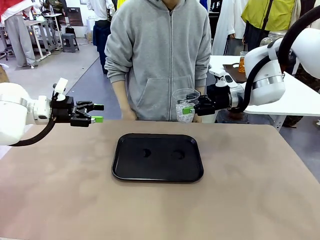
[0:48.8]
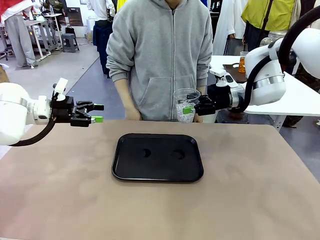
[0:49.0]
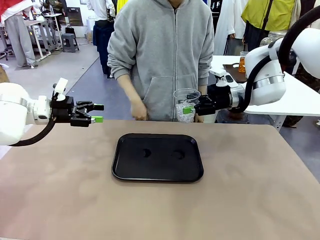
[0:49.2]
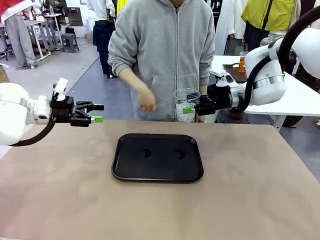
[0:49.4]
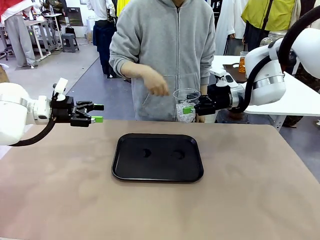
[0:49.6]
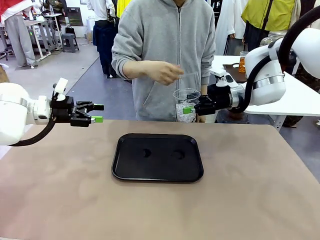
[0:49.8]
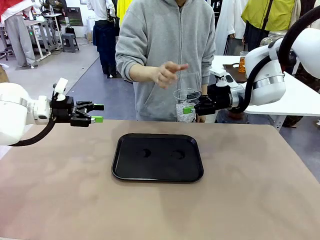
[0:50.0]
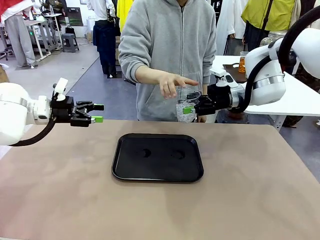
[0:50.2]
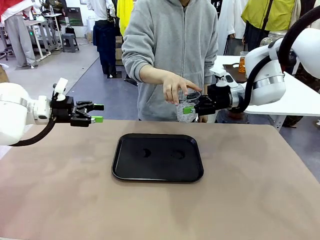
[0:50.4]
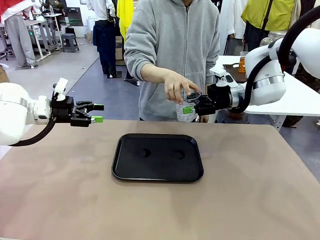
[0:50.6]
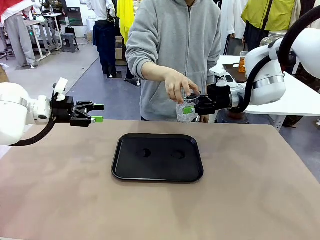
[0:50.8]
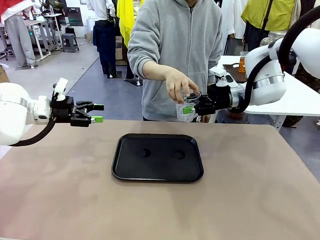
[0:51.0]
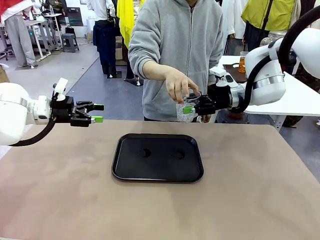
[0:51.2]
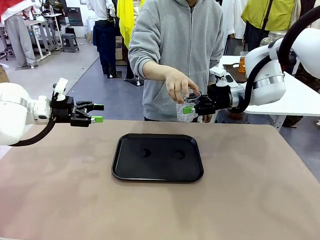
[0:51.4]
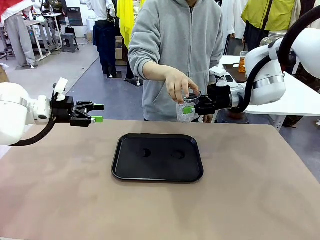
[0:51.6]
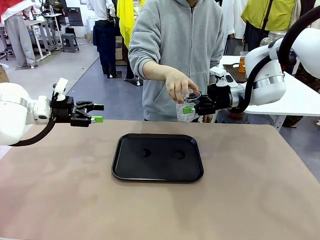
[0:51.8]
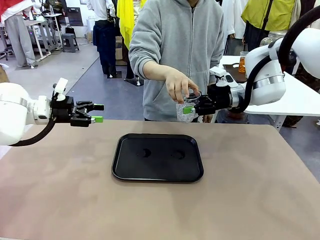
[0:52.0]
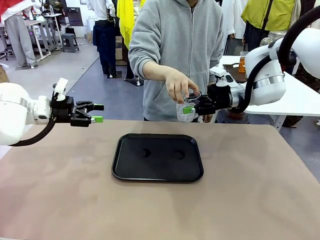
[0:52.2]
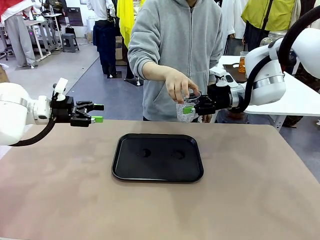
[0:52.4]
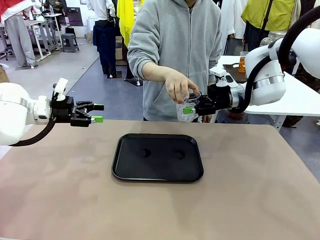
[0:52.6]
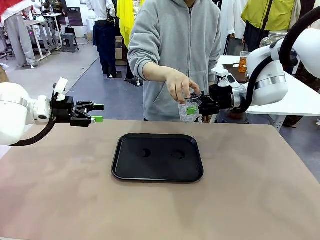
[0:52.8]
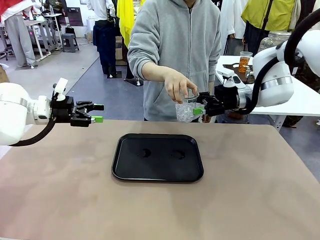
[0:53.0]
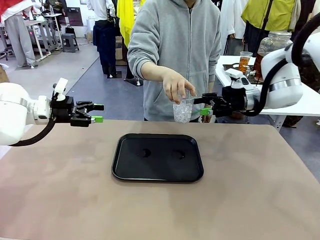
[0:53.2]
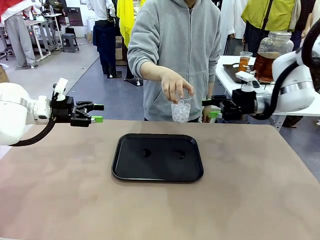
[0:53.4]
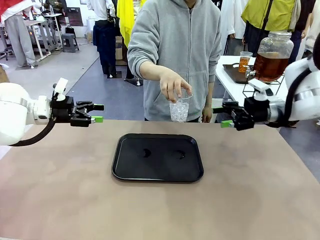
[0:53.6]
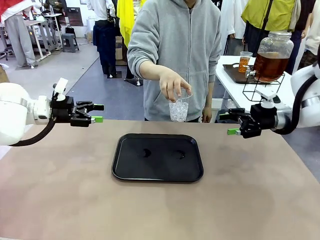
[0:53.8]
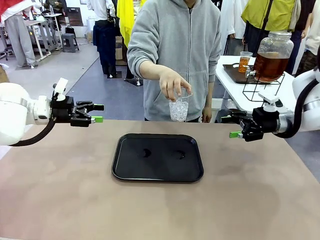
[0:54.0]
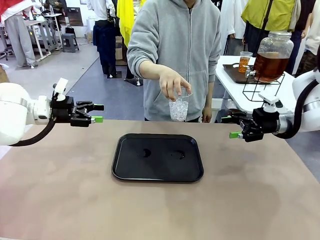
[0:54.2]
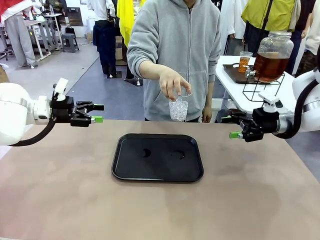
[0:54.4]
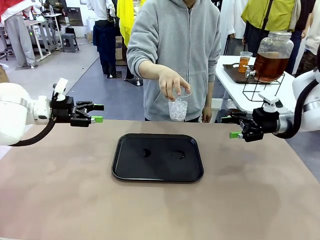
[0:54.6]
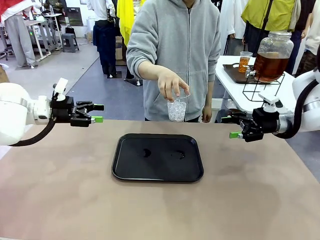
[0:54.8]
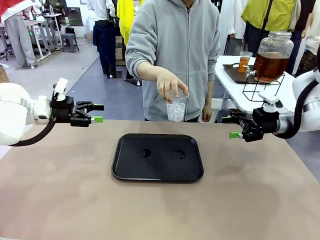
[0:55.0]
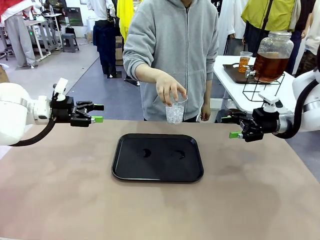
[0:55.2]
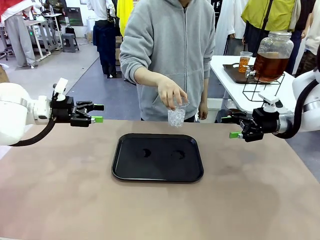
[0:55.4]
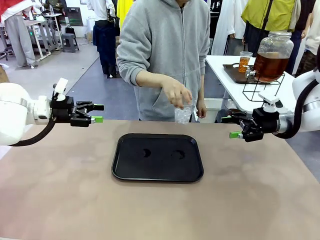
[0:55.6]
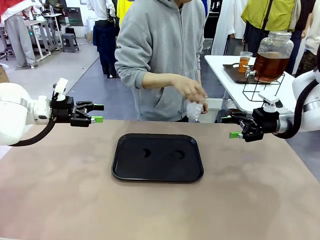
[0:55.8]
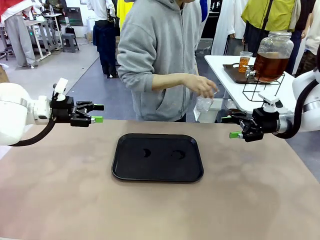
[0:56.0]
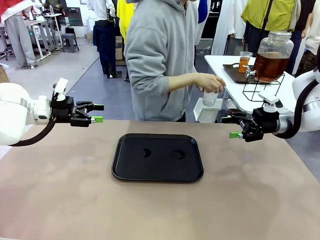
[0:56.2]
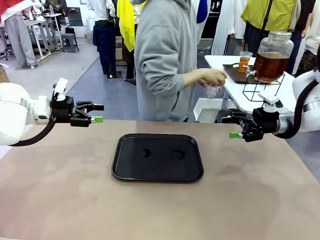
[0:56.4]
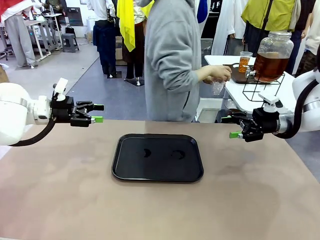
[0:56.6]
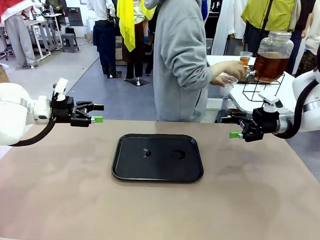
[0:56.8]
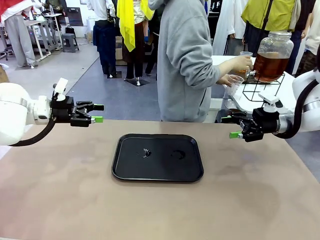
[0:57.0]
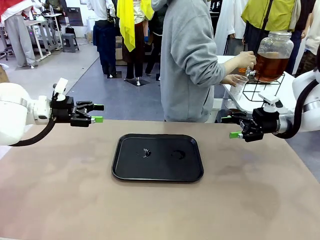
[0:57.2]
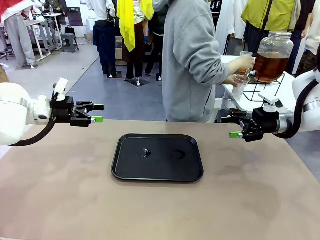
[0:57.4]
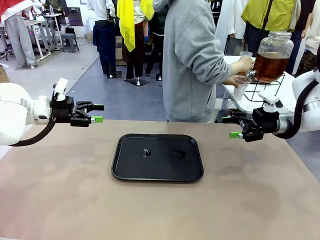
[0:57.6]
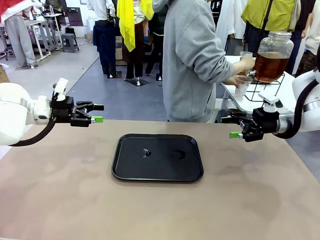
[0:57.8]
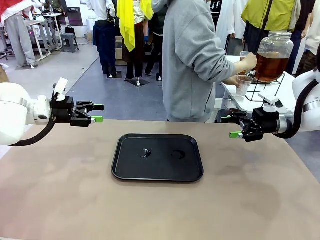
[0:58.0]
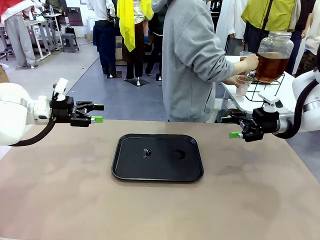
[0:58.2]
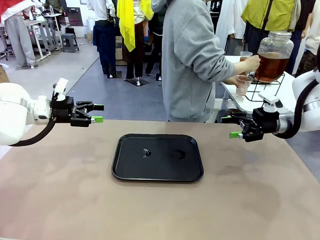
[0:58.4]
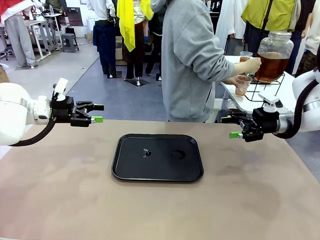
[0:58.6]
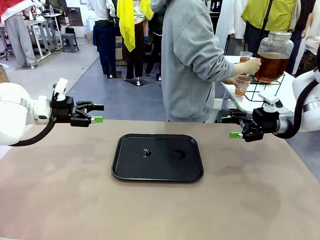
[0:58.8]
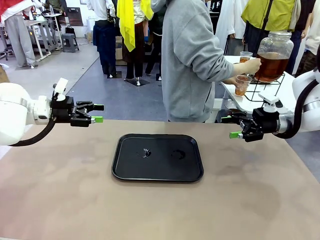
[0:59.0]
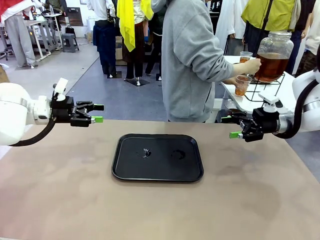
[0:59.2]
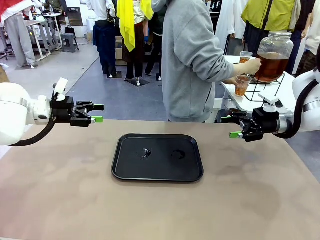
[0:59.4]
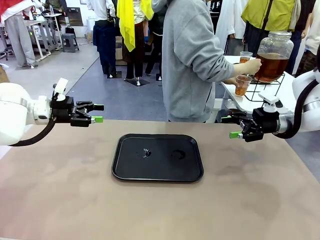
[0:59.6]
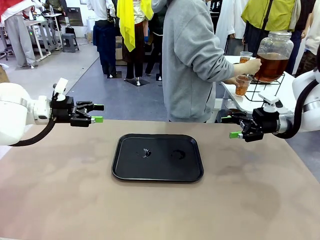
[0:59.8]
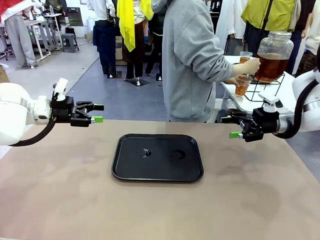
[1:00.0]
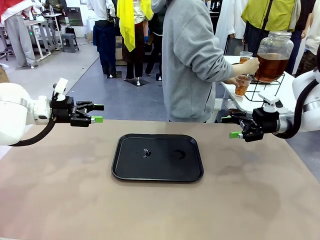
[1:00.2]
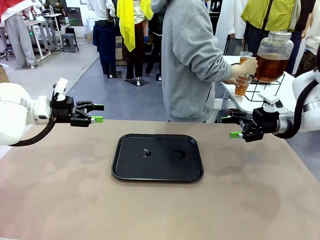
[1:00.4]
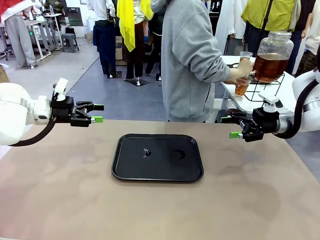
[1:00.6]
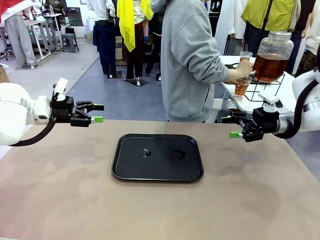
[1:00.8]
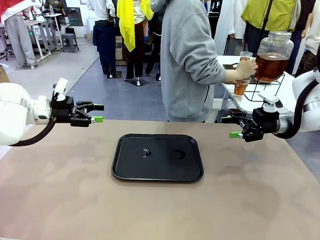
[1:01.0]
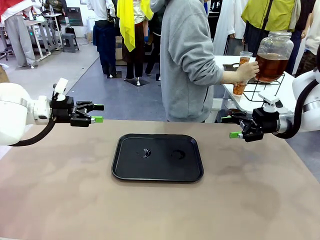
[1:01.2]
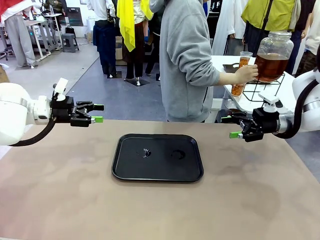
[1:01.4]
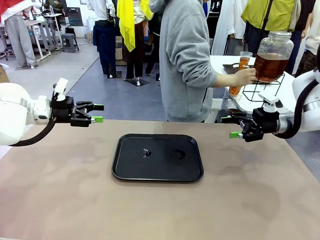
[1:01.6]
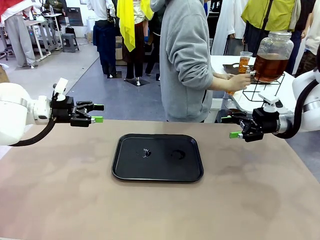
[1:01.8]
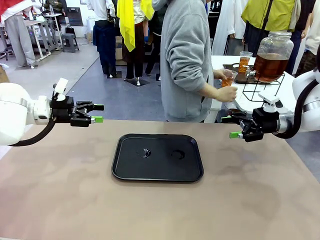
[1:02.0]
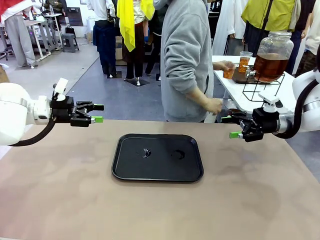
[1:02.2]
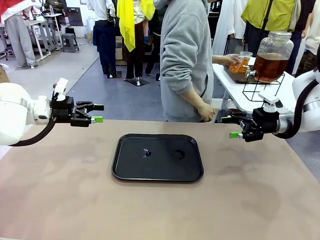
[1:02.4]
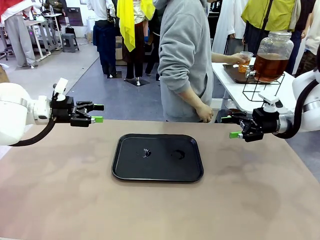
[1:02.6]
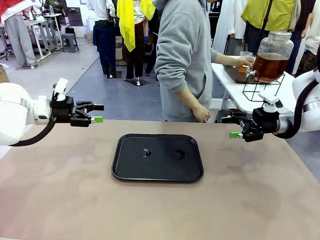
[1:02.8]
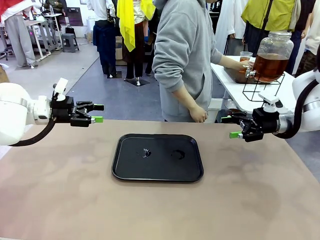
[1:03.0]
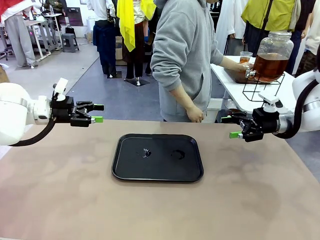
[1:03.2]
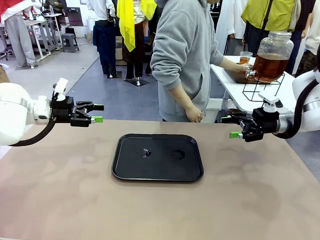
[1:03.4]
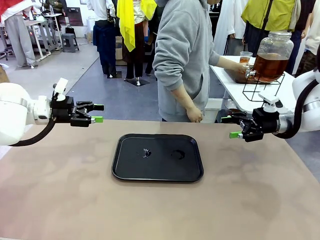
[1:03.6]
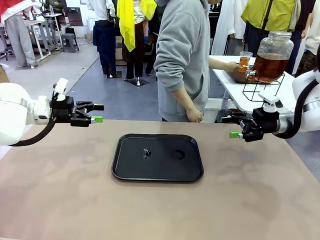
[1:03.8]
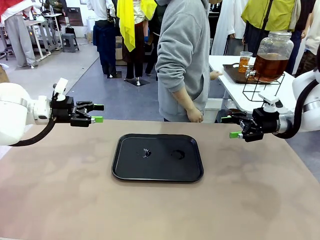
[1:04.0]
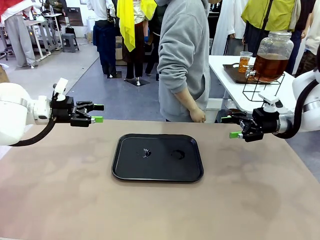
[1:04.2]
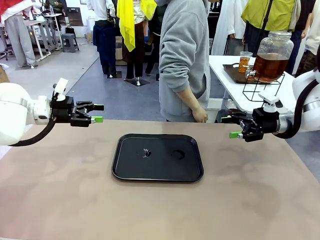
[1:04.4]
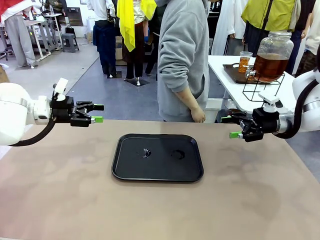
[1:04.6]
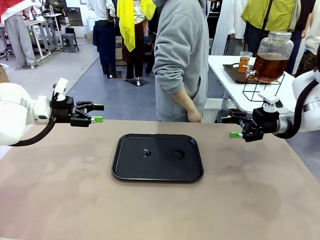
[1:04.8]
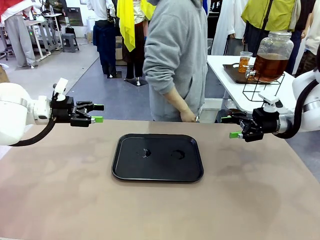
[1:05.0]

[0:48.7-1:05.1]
Task: Pour the drink into the iced cup.
Robot: Open the gripper to release the iced cup you were holding.
Person: Move the picked-up cup under the dispenser faucet, pour the drink, and place it on the tray on the human table.
